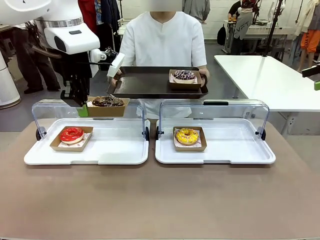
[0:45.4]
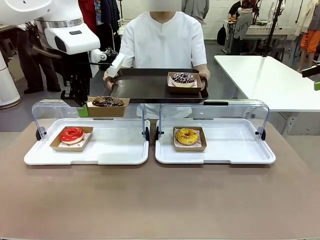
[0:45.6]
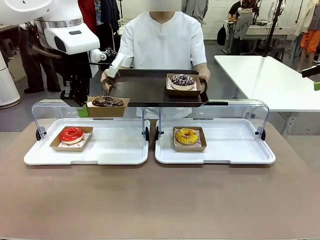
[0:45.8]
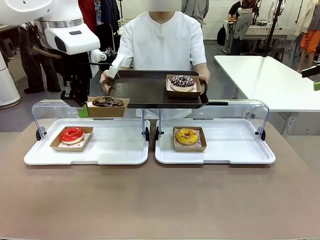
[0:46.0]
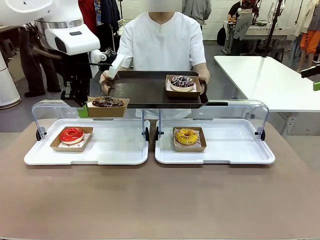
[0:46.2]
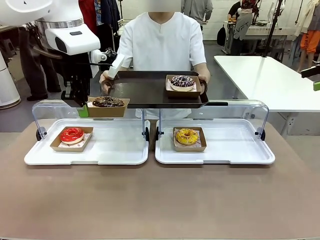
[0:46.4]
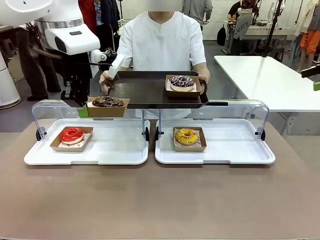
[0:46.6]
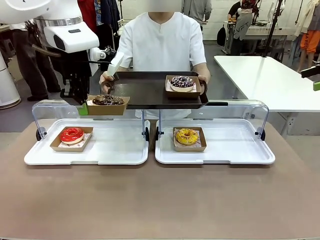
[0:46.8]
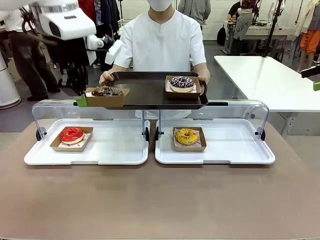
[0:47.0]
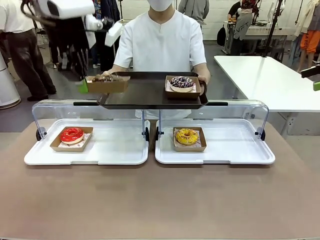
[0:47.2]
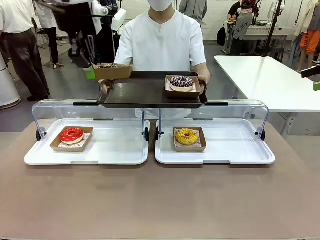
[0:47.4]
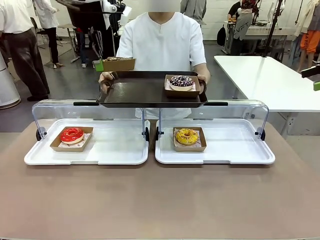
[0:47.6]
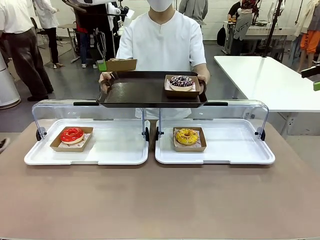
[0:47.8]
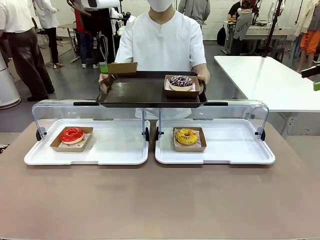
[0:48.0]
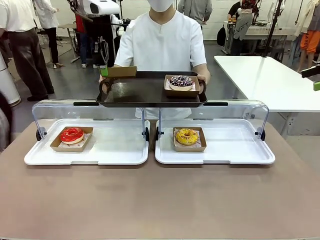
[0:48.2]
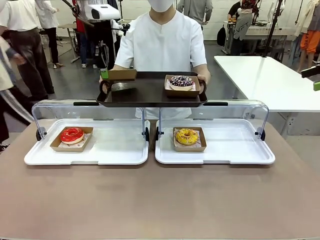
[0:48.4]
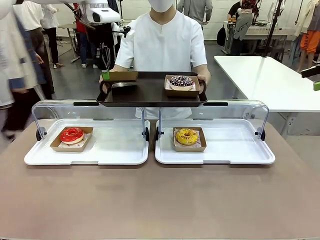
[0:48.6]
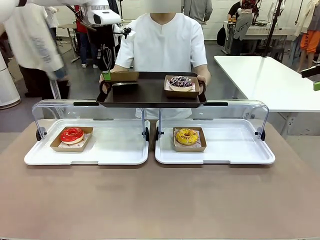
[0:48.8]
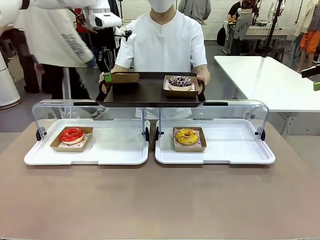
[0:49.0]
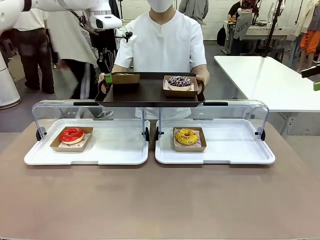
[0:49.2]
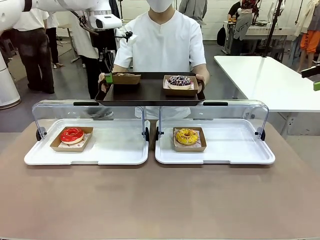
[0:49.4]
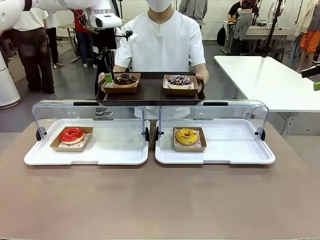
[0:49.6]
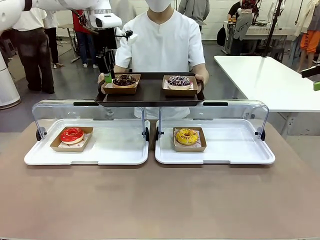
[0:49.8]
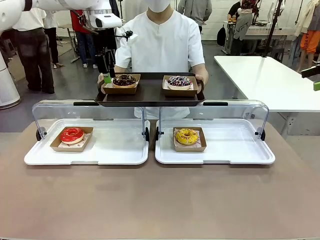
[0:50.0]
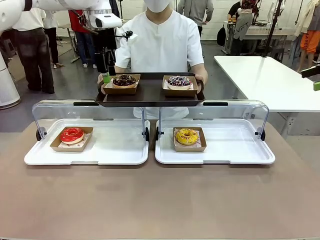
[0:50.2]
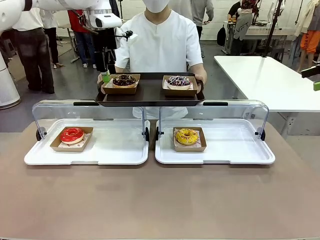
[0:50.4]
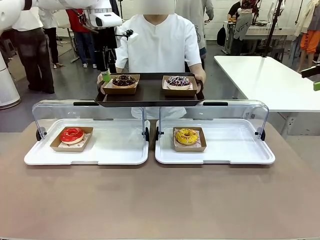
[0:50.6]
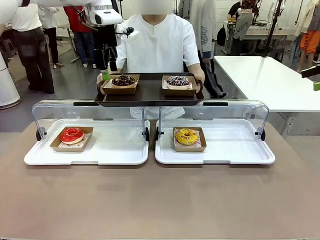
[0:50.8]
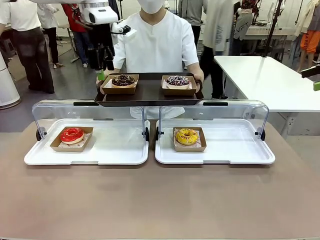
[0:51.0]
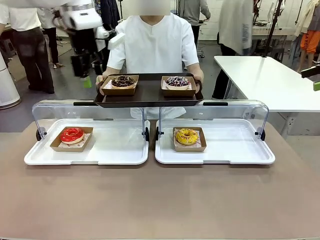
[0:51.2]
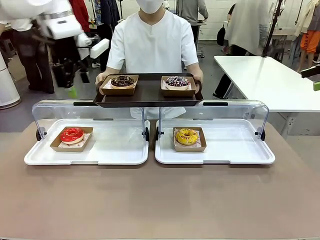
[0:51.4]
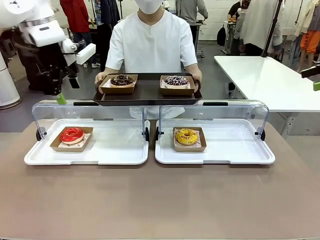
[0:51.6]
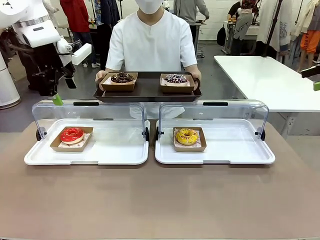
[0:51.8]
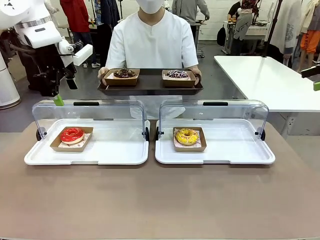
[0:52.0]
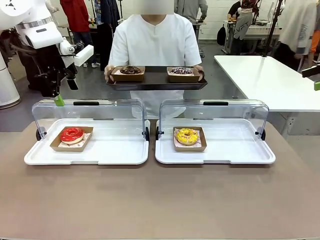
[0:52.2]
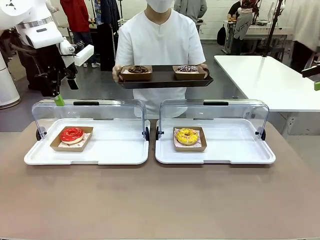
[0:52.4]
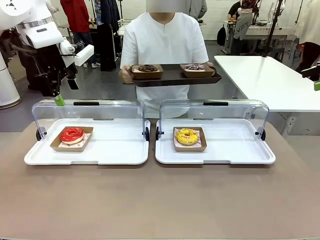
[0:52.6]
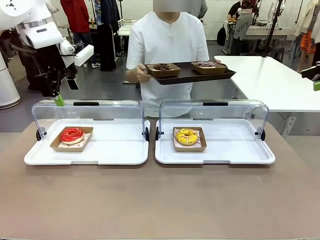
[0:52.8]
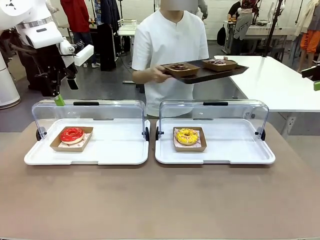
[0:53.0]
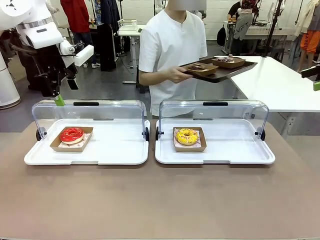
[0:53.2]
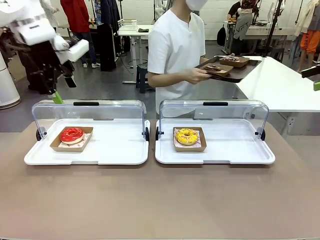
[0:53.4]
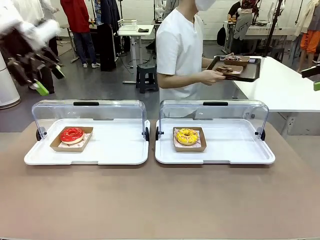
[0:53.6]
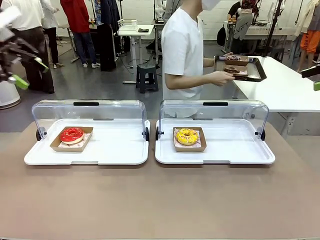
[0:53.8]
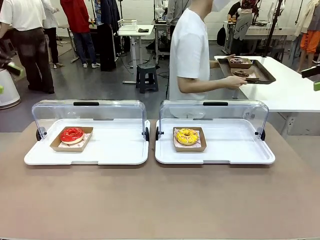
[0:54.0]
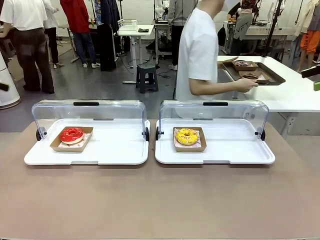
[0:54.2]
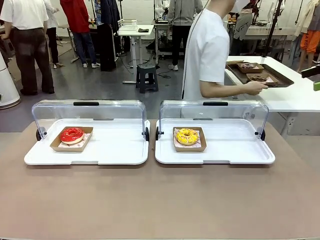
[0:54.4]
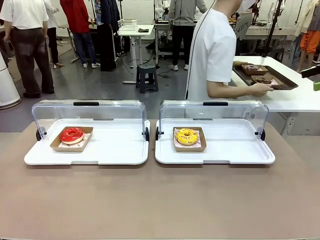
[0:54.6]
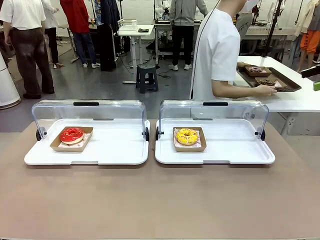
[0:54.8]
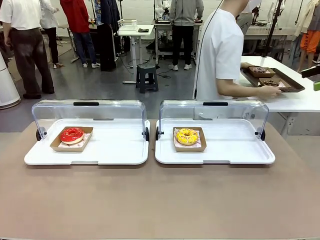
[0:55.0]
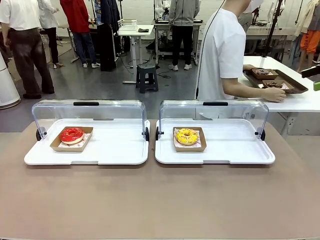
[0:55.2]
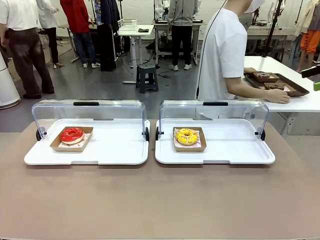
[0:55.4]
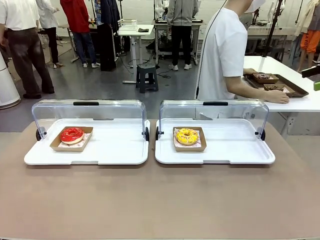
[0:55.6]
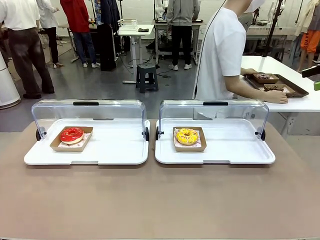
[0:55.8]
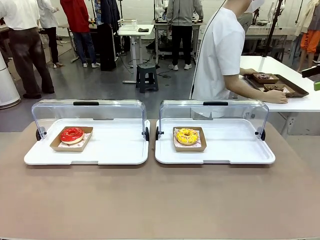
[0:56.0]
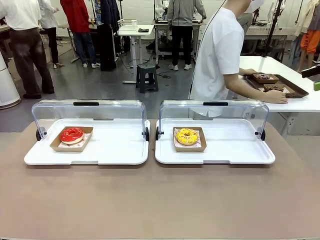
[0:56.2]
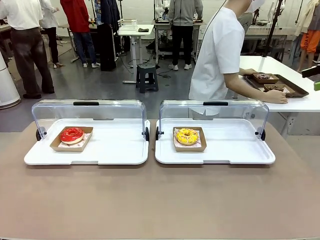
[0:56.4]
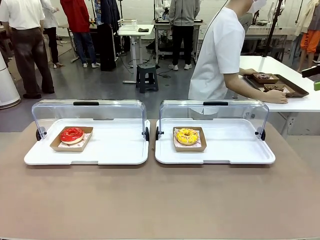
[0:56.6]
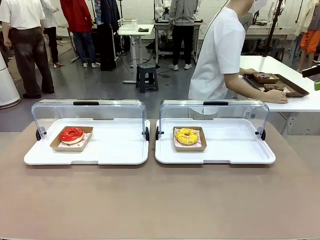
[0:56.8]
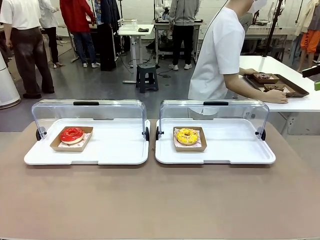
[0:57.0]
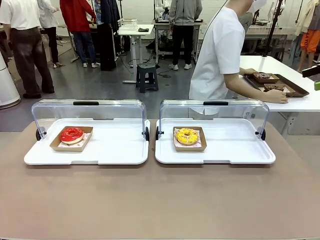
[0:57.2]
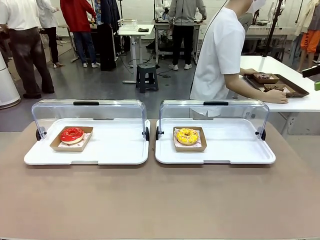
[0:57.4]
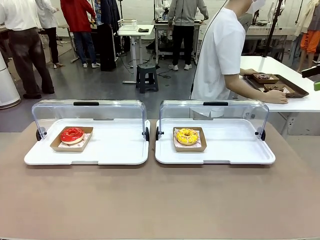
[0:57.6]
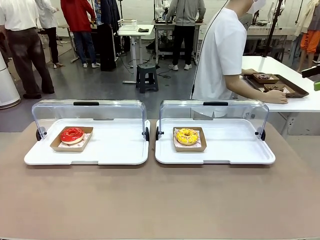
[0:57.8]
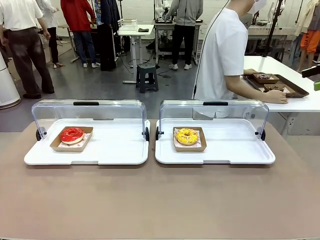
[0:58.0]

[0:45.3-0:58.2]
Task: Provide the desired donut to the person.
Robot: Place the picked Paper togo box onto the Handle tray extended by the person.
Person: Place the tray in the middle of the human table.
